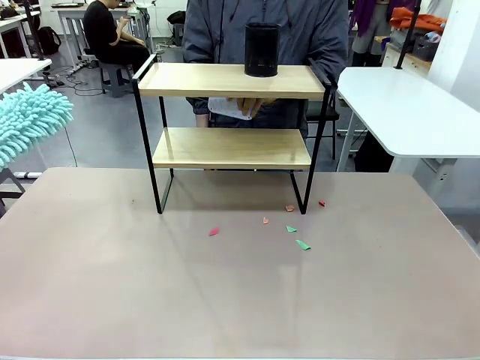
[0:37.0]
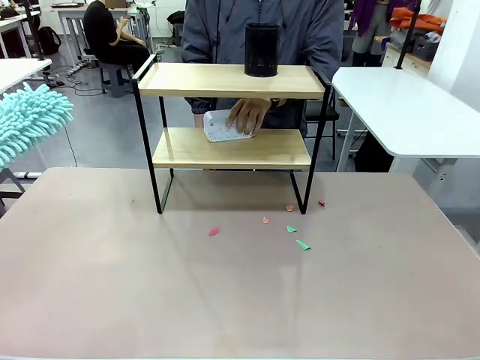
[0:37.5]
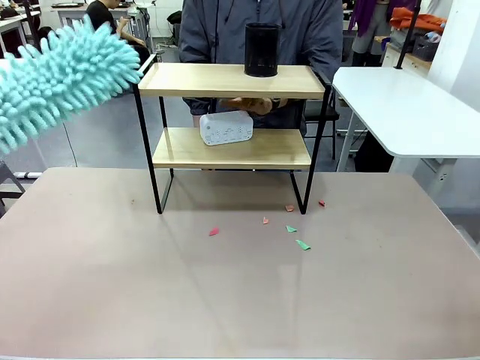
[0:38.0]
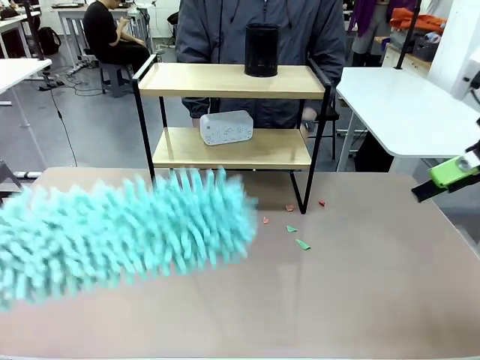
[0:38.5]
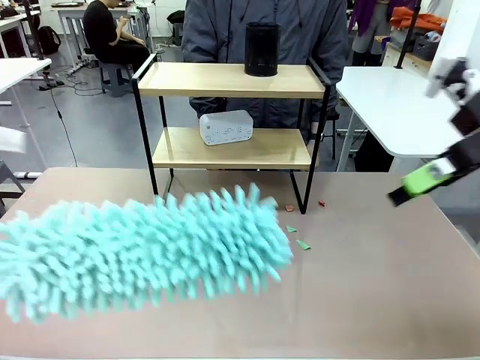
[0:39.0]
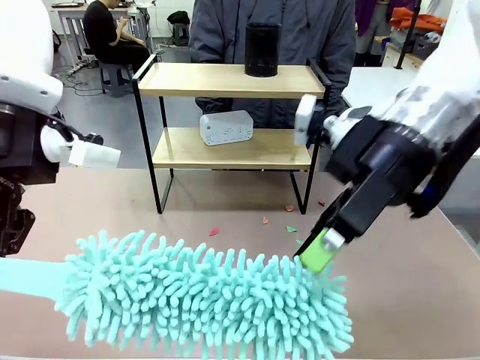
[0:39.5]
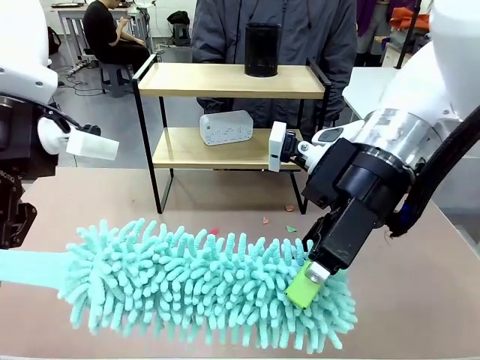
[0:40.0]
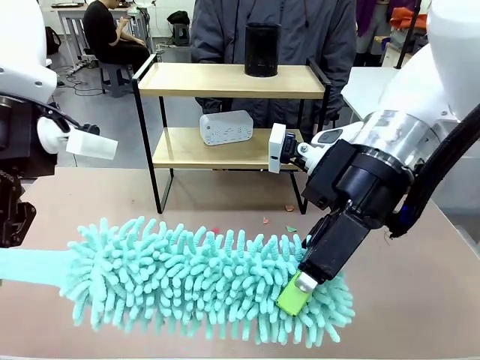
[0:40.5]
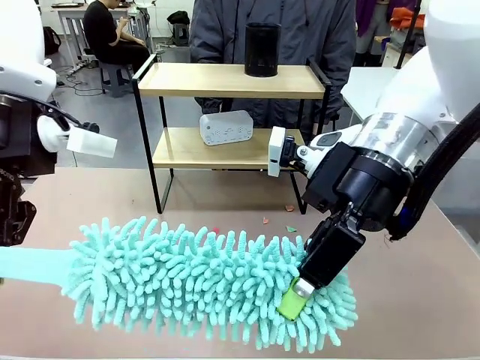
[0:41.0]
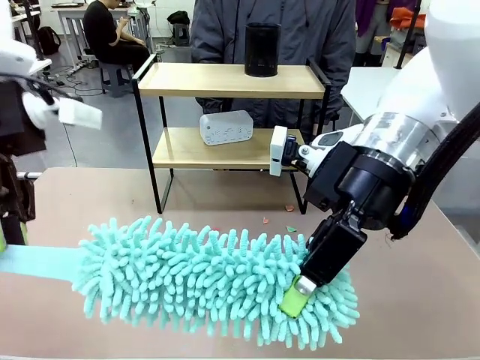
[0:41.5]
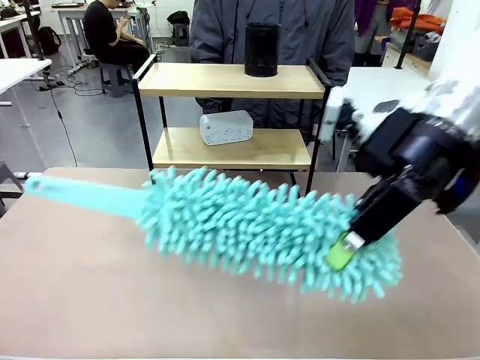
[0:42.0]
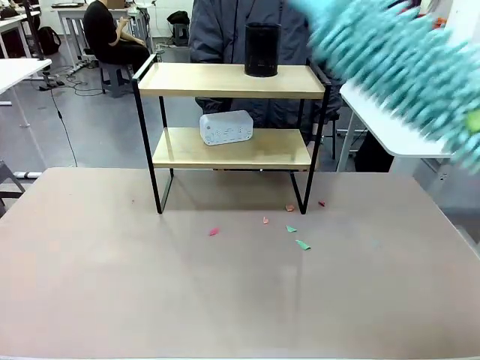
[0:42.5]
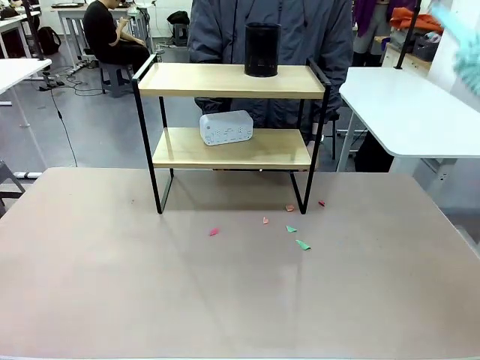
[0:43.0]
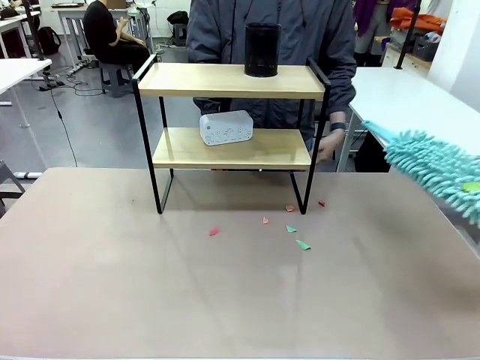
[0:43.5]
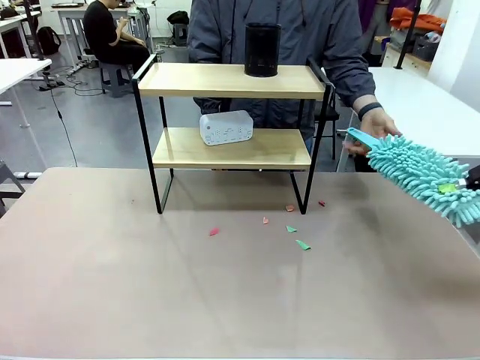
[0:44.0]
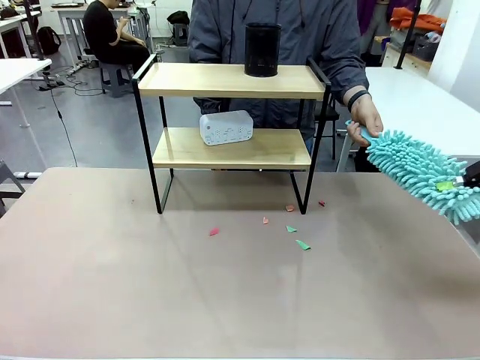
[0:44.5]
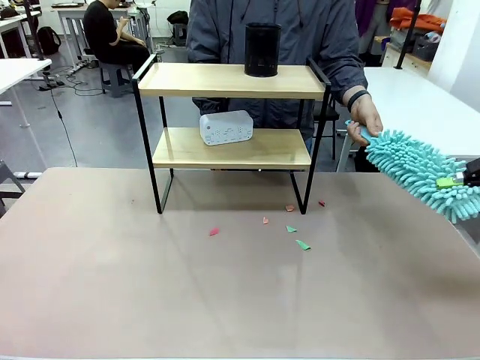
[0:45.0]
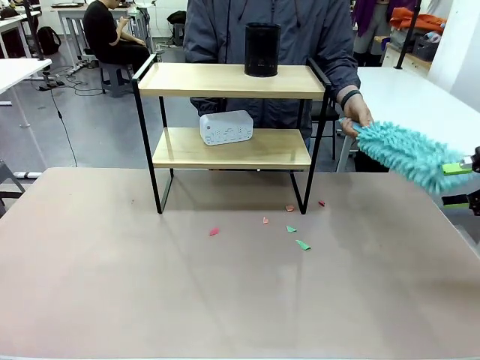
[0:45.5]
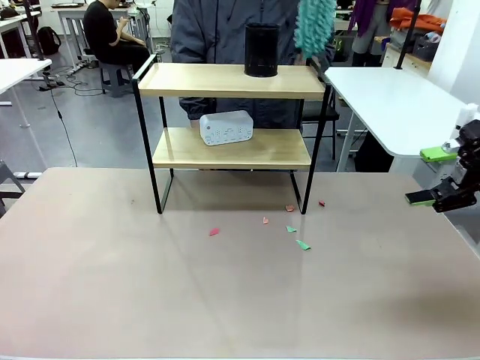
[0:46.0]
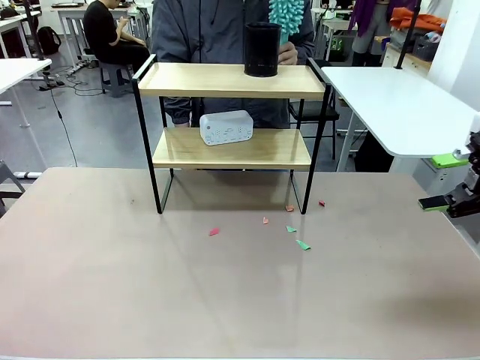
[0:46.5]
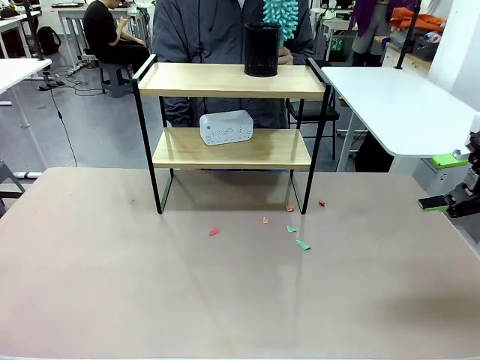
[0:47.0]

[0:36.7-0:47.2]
Task: Clean the shelf.
Robot: Hand the Duster back to the human.

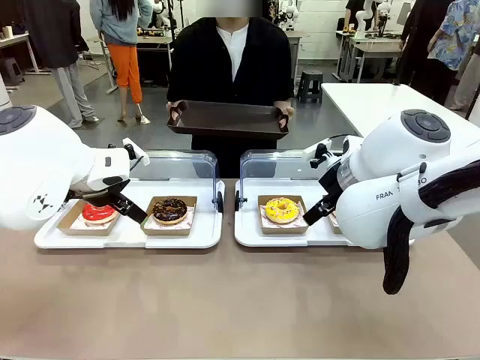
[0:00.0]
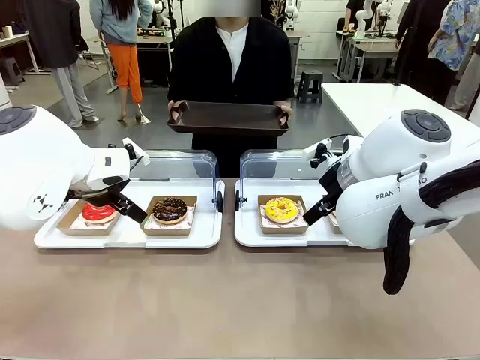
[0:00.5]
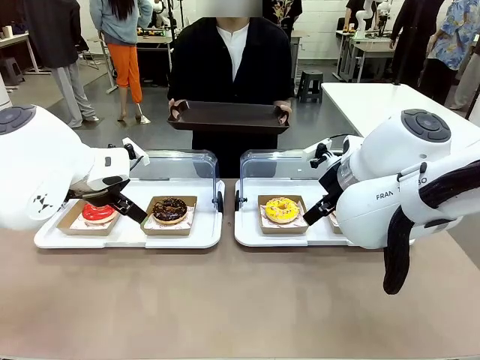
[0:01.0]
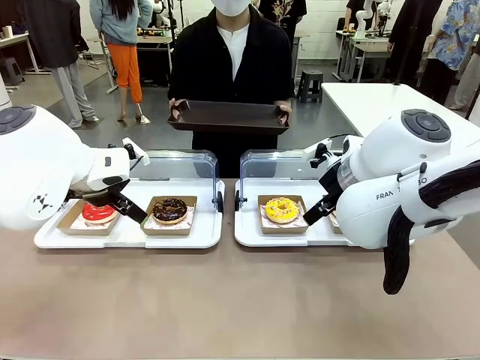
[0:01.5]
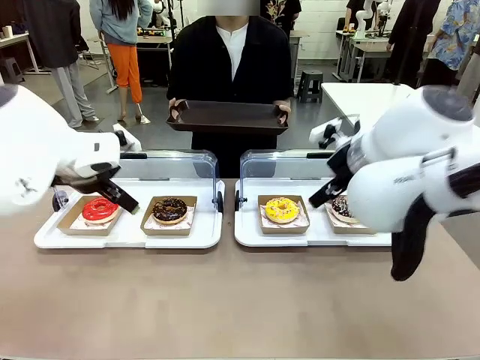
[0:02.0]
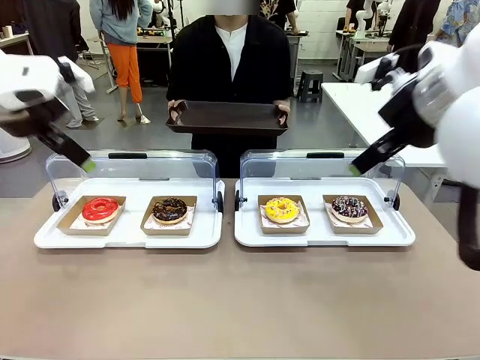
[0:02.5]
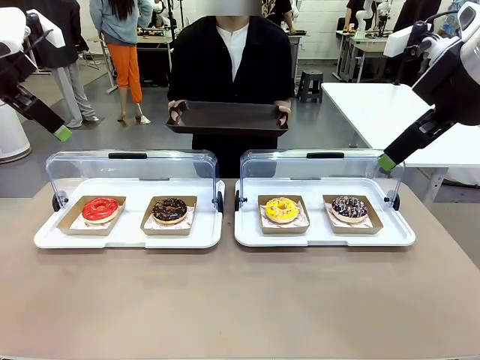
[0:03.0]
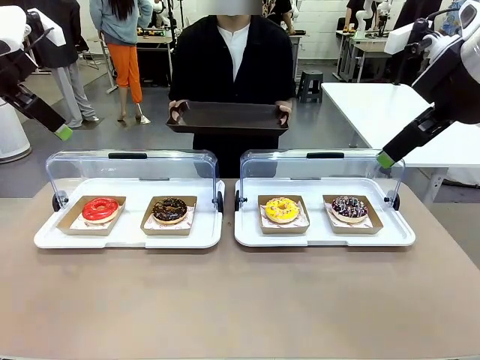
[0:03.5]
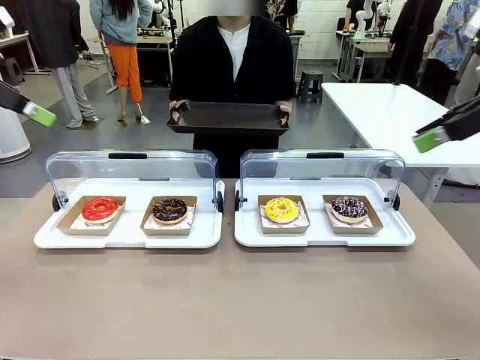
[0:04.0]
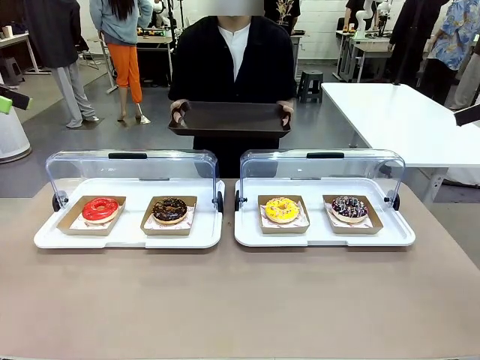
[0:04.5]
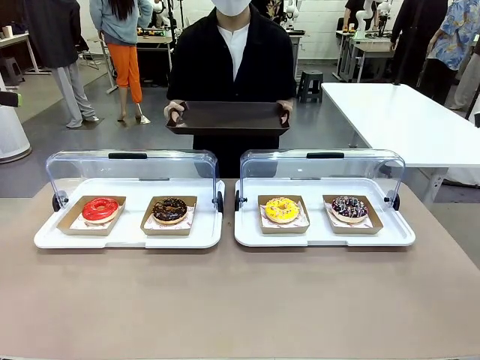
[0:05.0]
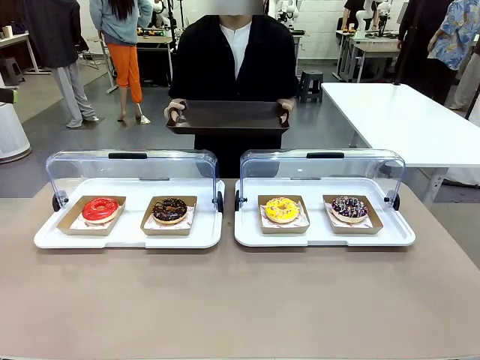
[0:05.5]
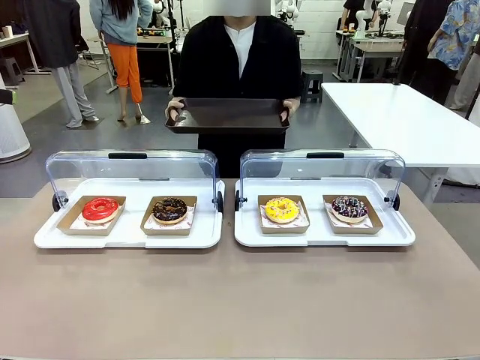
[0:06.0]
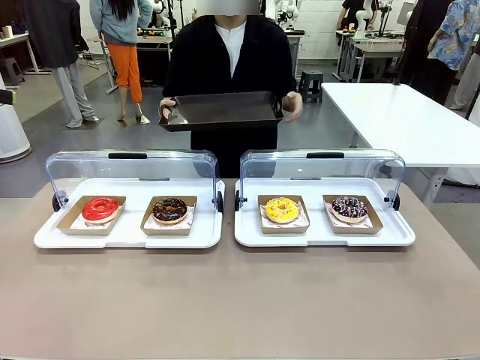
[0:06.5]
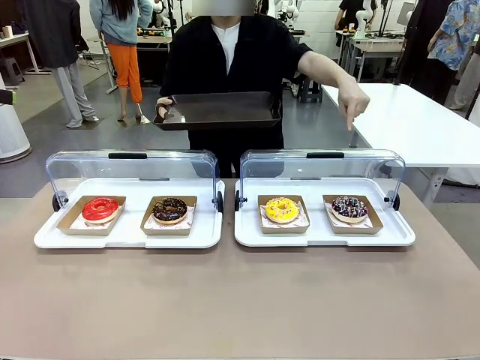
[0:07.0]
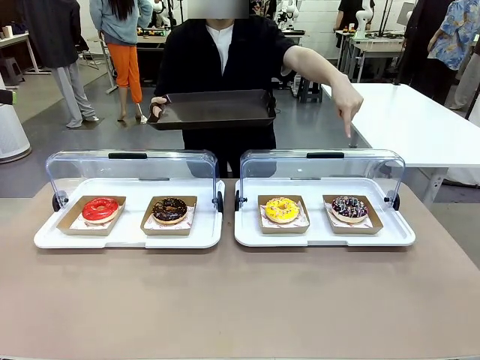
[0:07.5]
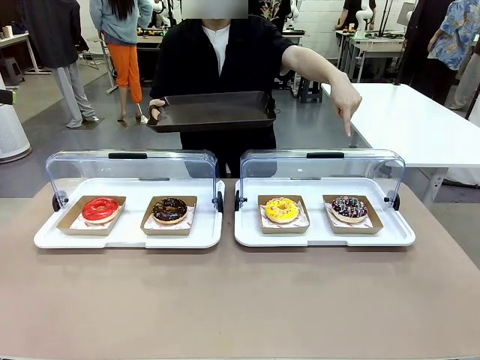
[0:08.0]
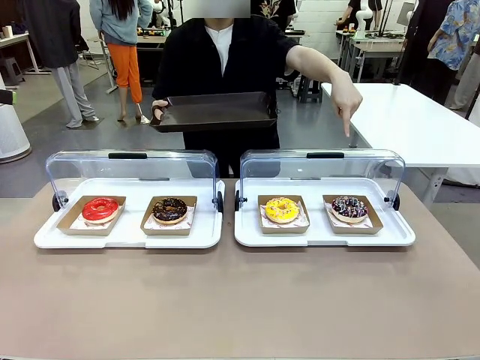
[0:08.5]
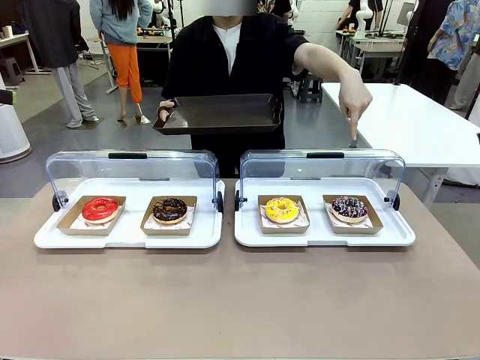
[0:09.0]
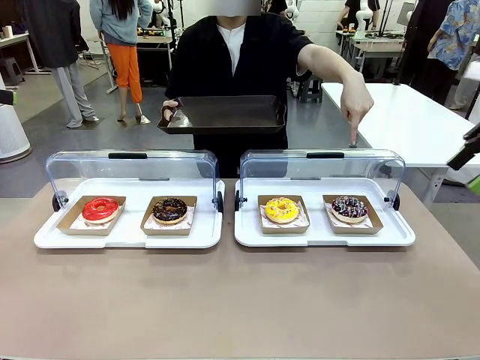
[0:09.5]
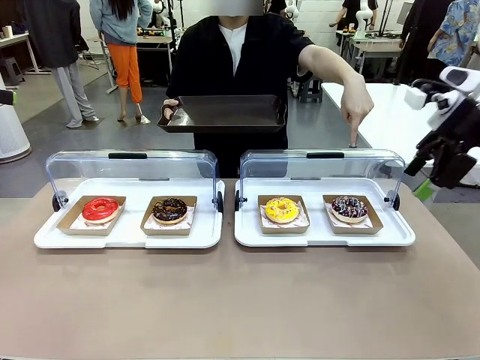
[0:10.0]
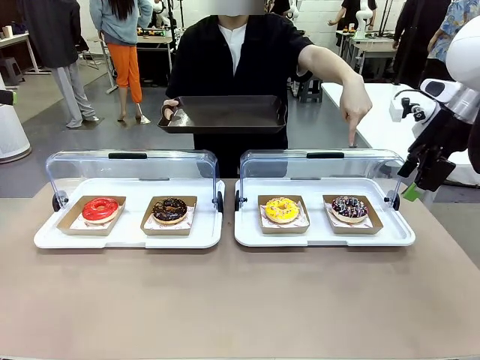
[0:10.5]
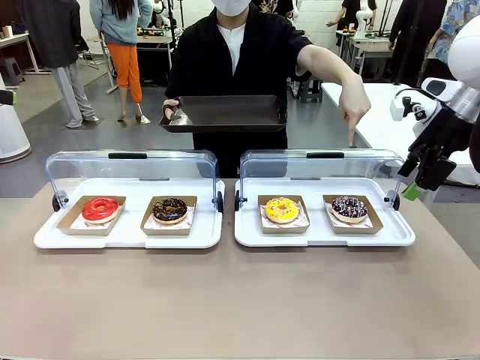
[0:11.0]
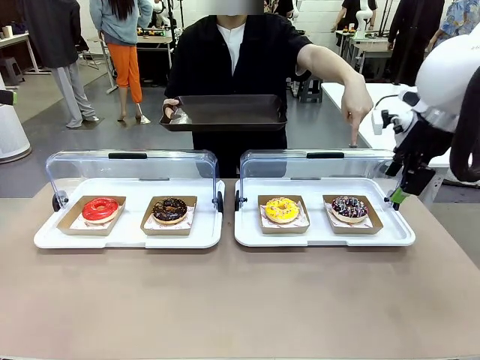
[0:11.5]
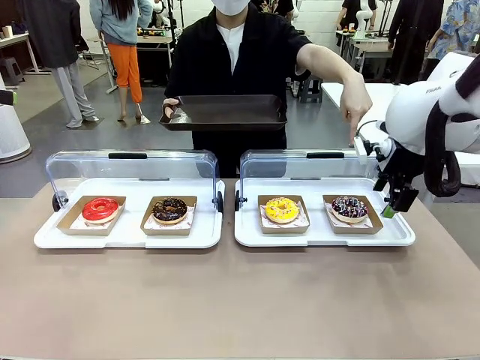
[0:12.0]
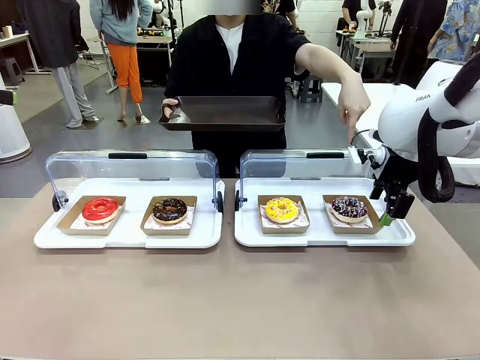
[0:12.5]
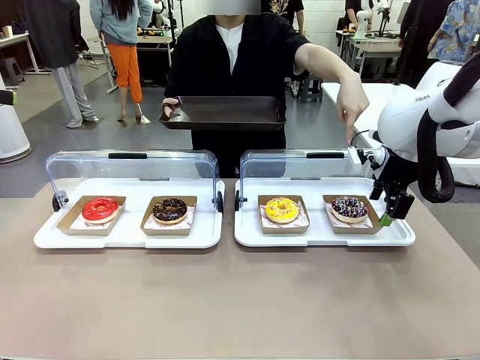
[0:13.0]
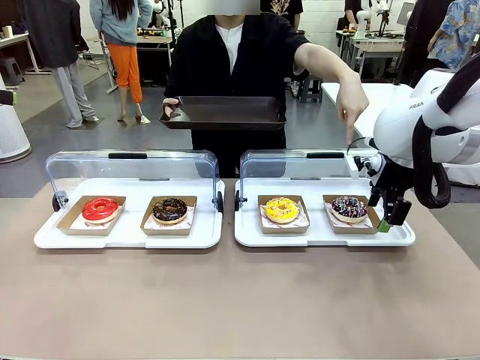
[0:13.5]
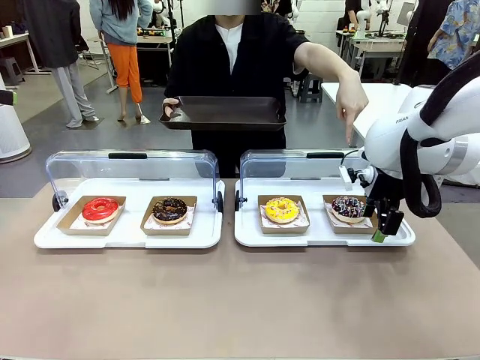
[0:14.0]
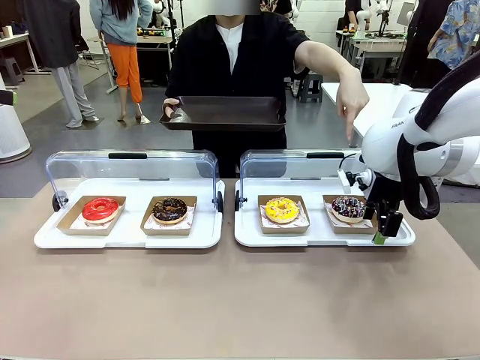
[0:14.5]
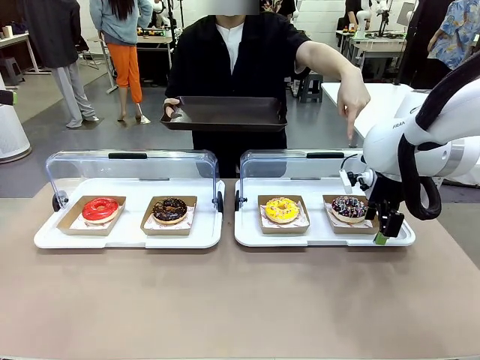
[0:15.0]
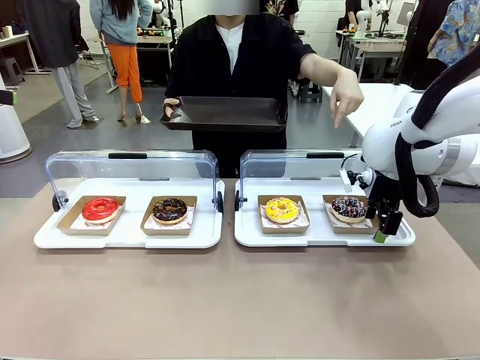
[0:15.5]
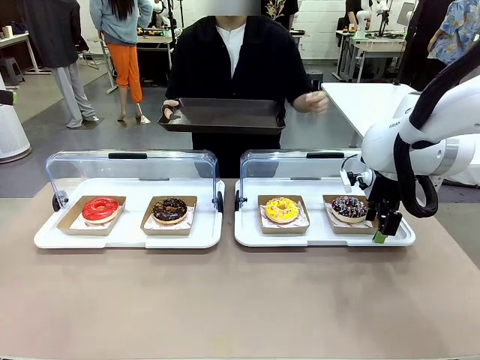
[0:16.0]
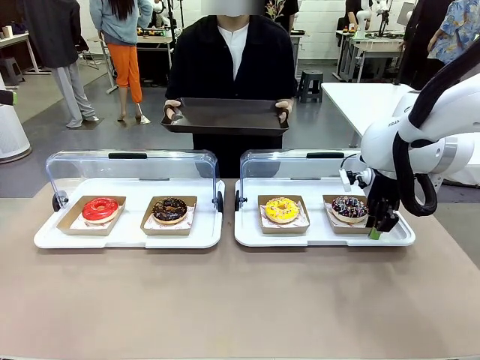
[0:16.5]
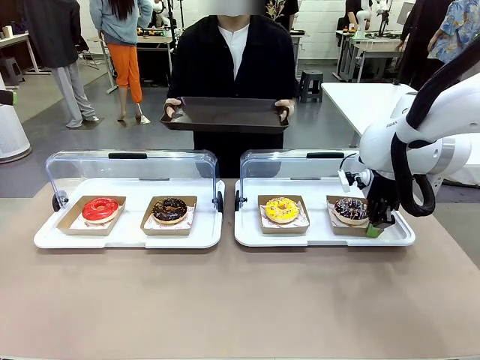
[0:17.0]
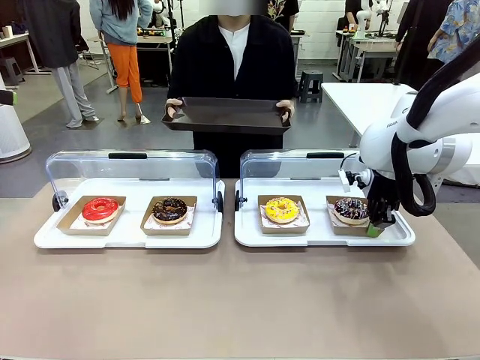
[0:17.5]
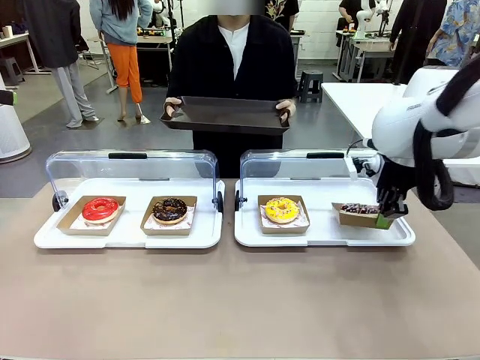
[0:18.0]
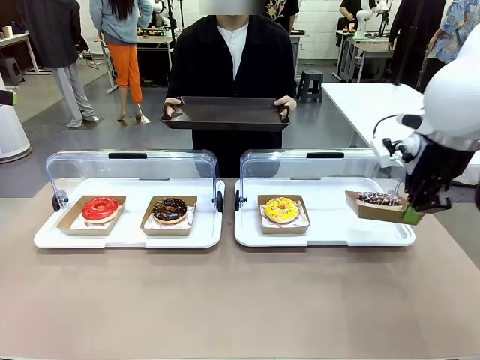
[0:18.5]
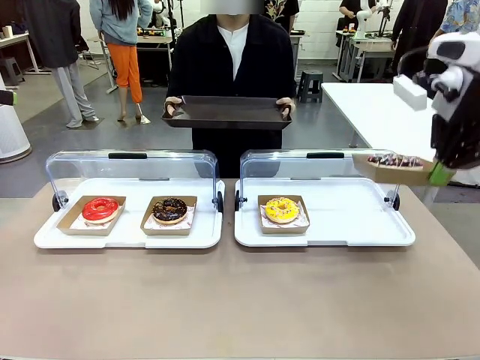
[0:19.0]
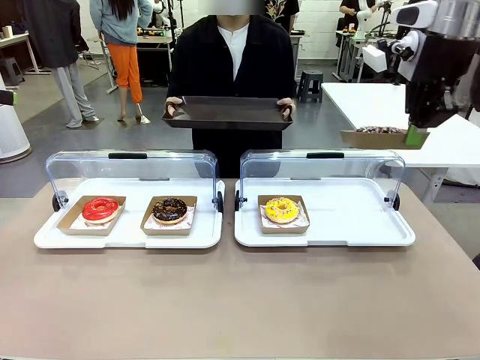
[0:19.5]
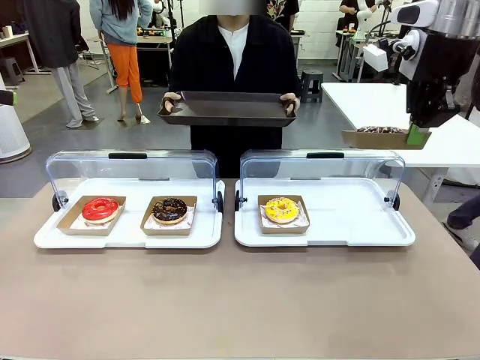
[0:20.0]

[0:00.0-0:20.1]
Task: Provide the desired donut to the person.
Robot: Pick up and lift the Paper togo box containing the Donut pointed at by the person.
Person: Point to one donut. Lift the tray onto the Roll-Top Bakery Case.
